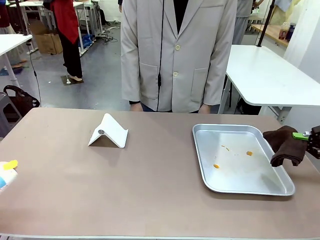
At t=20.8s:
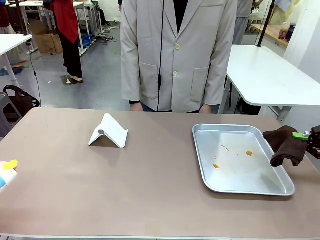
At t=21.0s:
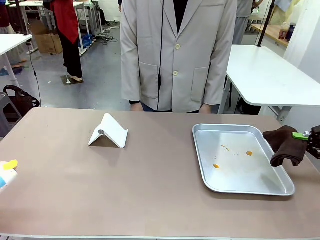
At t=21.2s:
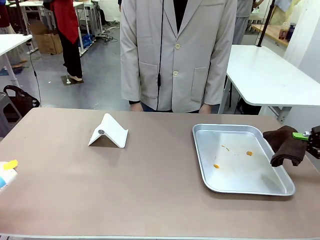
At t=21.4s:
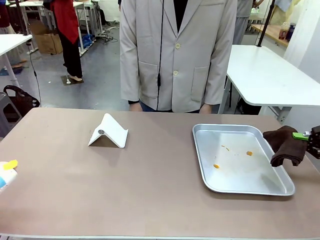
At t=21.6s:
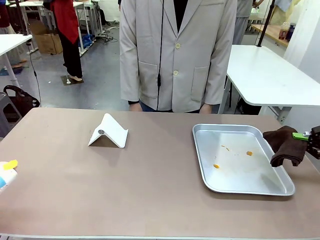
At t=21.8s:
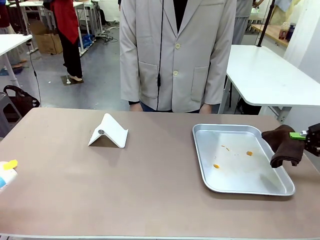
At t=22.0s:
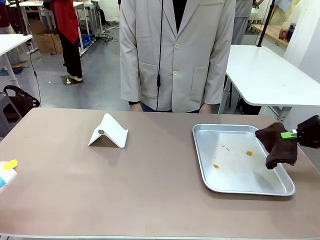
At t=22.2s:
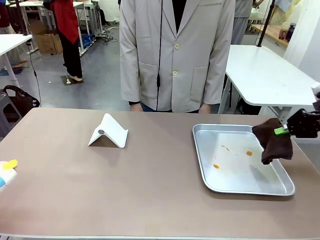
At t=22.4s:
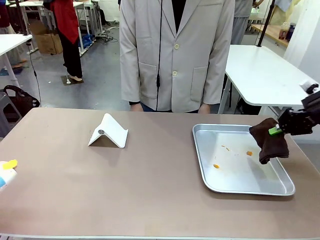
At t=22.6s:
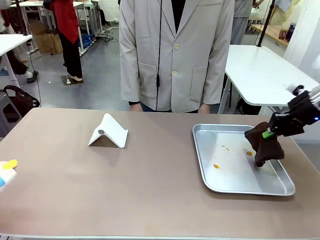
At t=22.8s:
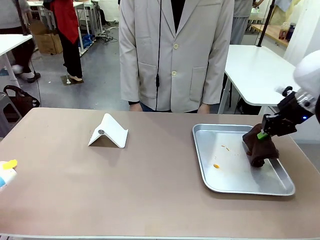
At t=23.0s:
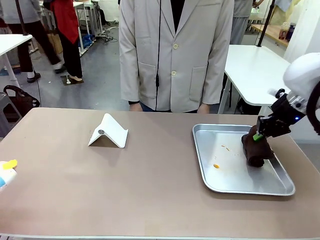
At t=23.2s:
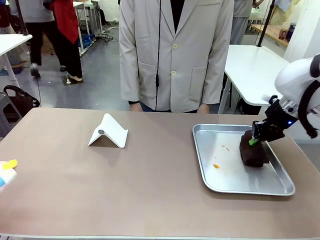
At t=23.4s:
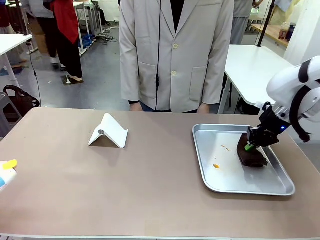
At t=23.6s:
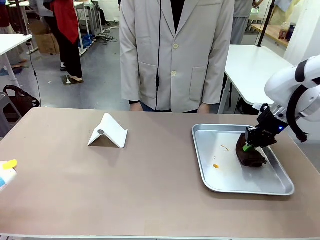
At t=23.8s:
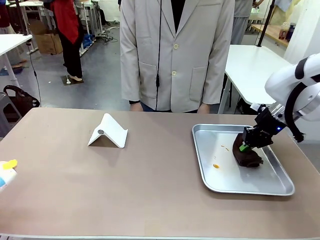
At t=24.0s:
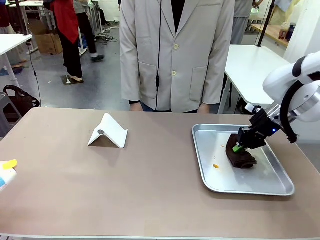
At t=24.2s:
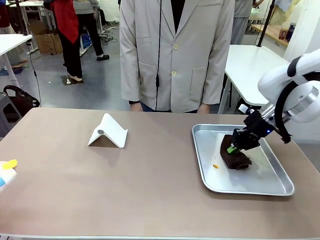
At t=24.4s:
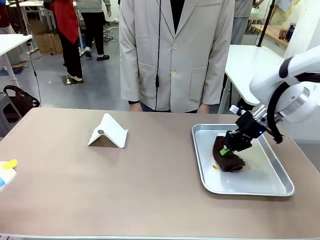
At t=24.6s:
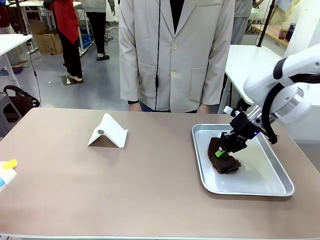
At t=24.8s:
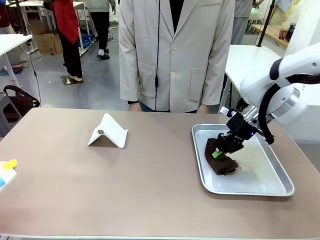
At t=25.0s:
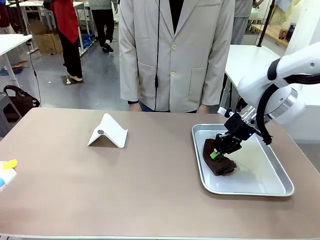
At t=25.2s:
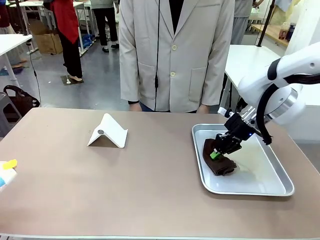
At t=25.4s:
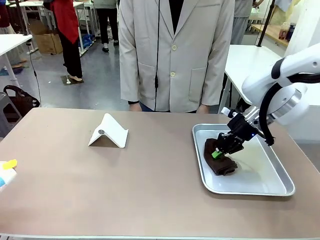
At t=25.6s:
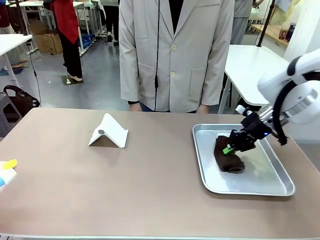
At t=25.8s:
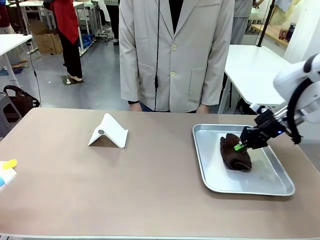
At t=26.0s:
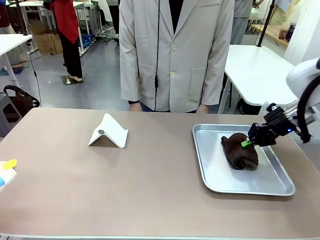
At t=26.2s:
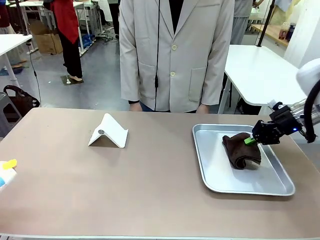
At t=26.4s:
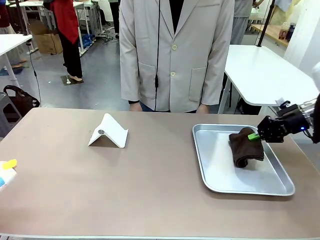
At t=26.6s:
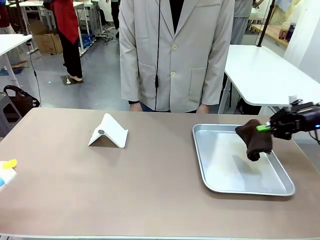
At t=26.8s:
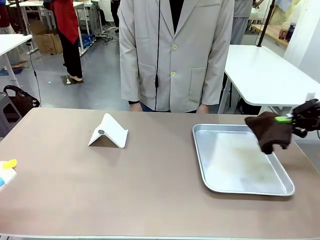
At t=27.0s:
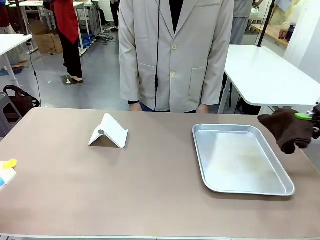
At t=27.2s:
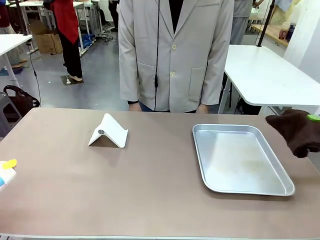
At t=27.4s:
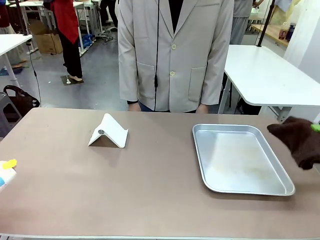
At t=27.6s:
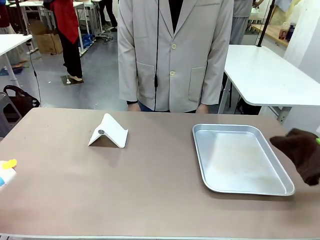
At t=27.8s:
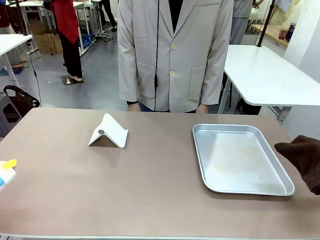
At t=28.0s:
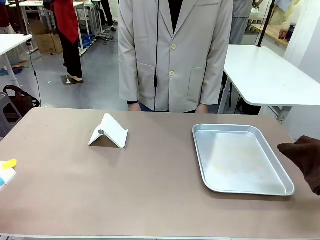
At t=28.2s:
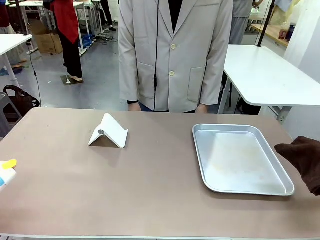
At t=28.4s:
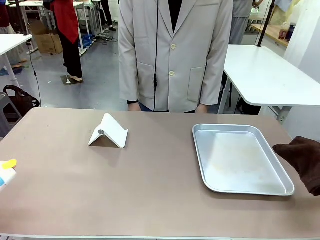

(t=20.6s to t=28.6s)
Task: Clean the surface of the table.
Robot: Clean the area not pointed to by the person.

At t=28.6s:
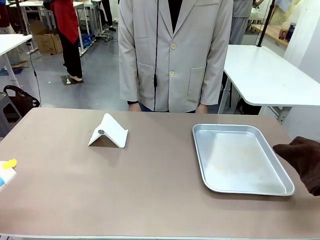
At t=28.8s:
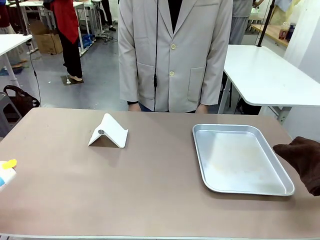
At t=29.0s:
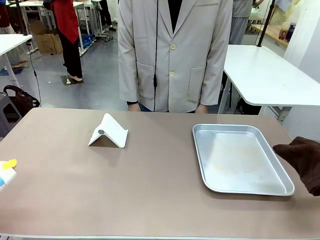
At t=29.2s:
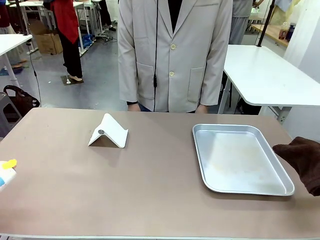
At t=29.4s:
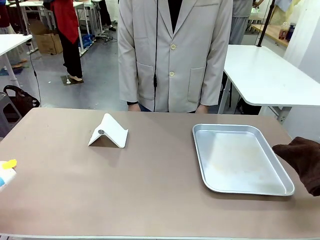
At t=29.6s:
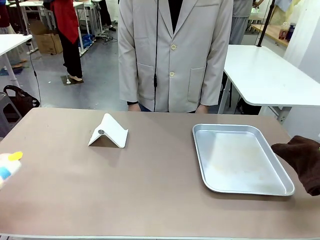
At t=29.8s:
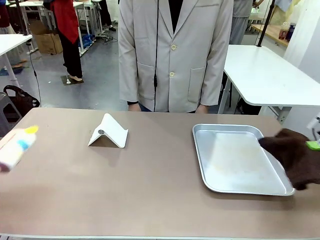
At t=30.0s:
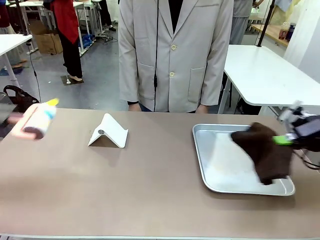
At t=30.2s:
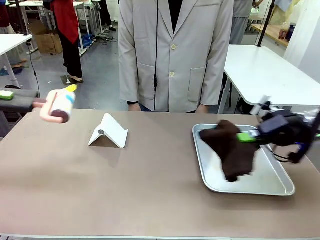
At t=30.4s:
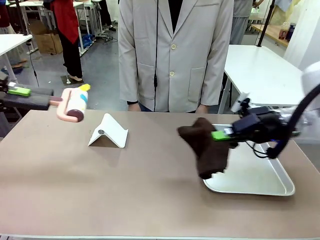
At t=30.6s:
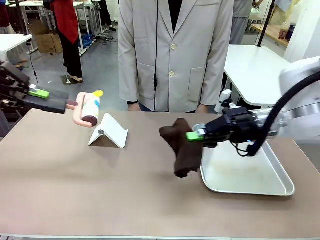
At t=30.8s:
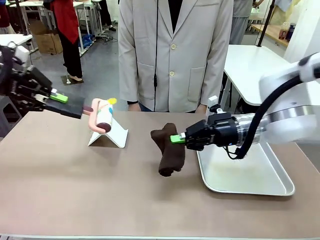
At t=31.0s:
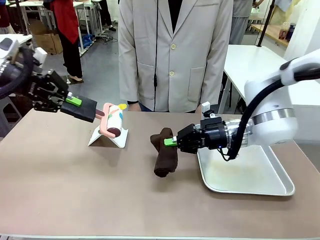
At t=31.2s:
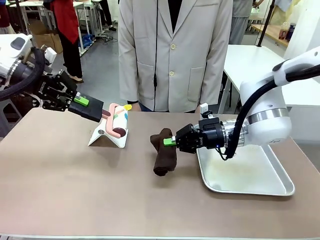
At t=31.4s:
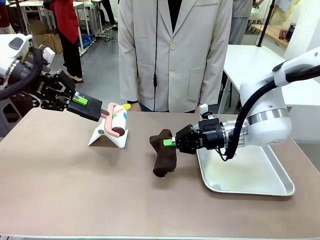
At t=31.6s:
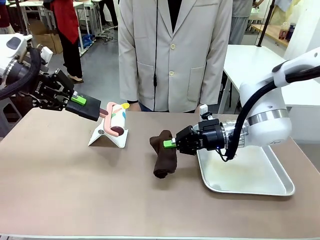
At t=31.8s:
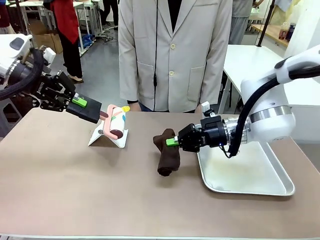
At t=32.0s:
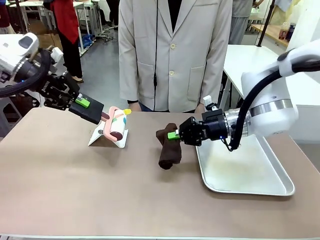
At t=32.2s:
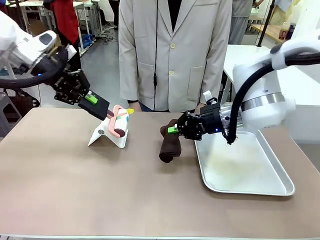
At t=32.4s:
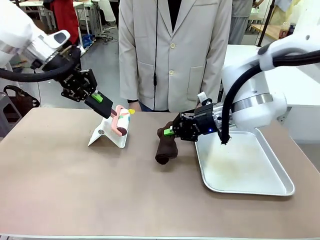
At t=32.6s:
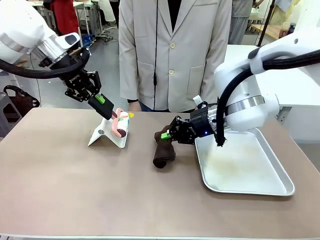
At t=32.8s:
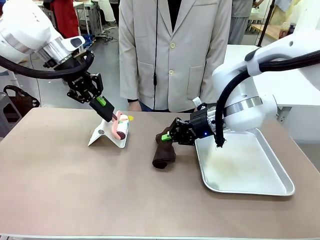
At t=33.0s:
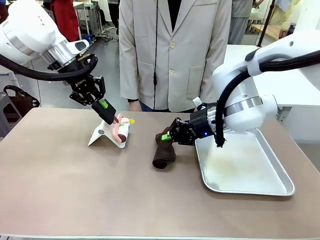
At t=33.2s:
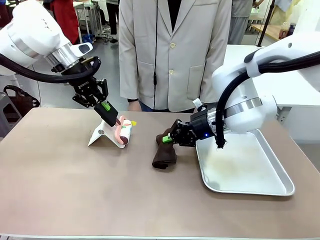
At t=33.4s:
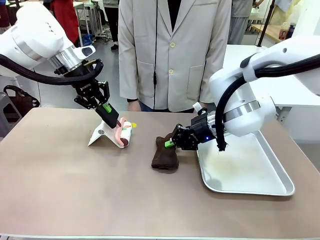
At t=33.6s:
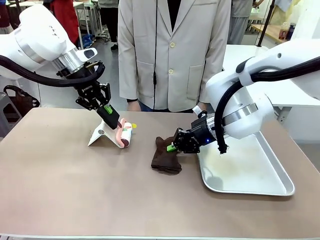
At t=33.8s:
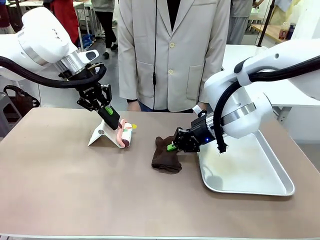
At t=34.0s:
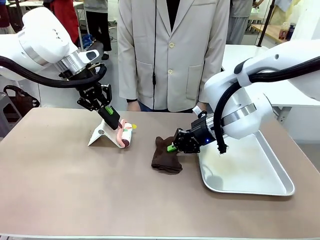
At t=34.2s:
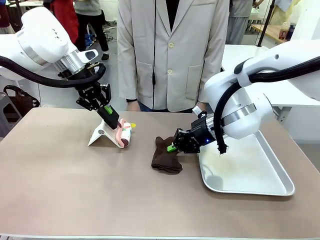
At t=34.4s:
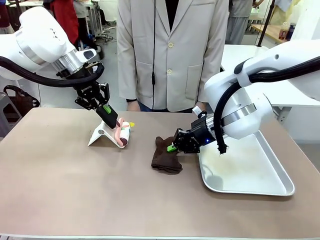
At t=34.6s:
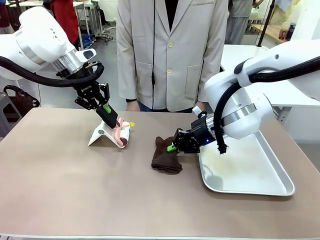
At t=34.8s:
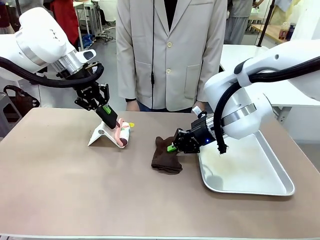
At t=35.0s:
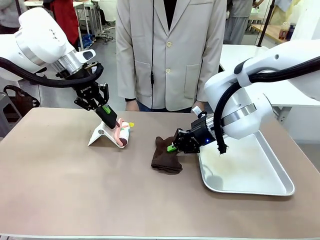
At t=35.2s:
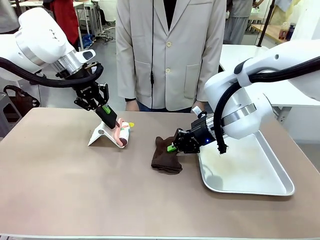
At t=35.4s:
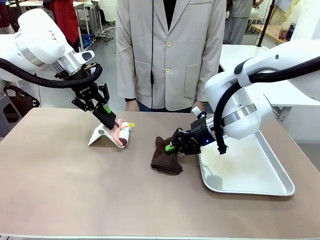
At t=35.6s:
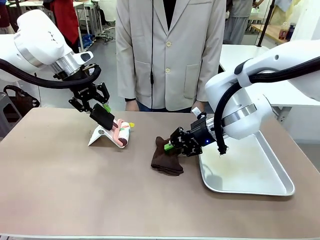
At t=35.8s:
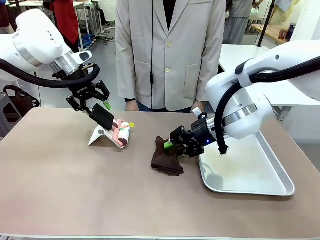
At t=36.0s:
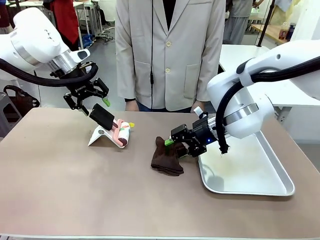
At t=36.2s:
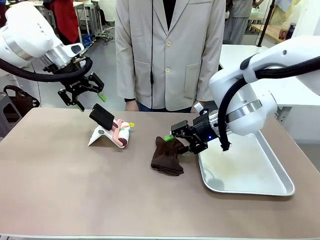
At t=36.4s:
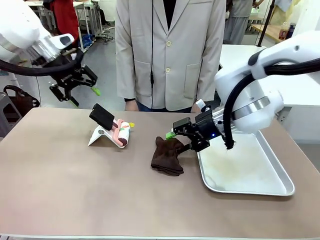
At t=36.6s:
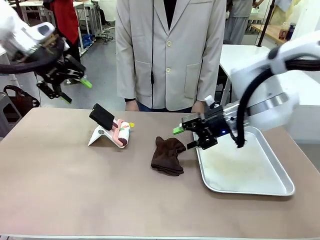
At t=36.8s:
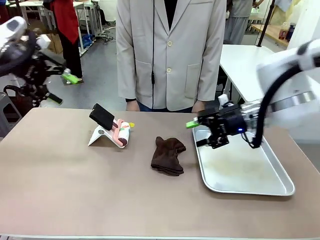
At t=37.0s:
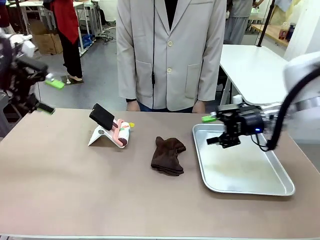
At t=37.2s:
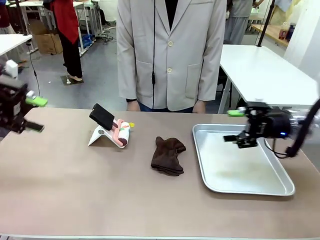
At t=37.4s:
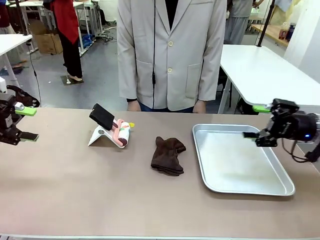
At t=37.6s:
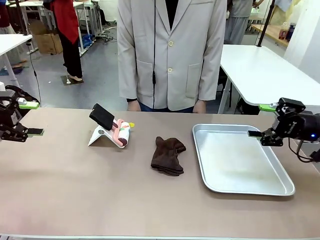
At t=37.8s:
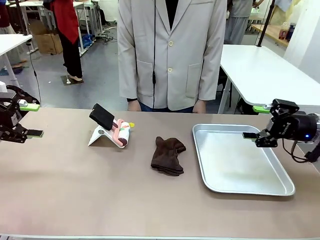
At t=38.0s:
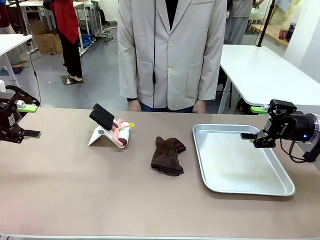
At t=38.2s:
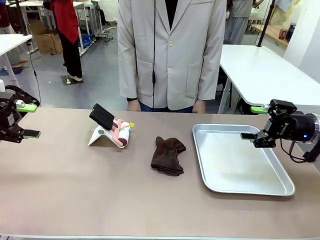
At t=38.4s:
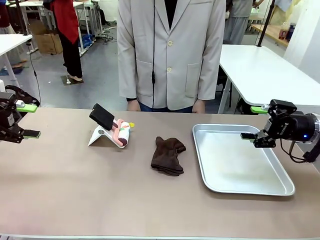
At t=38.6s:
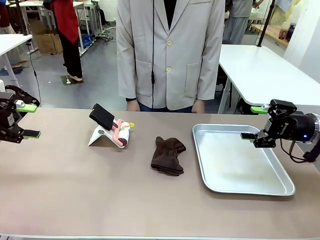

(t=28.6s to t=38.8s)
Robot: Return the Lint Roller and towel to their original positions.
